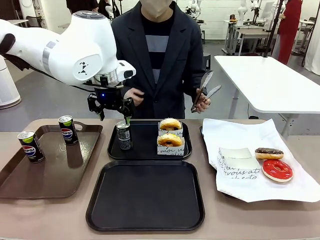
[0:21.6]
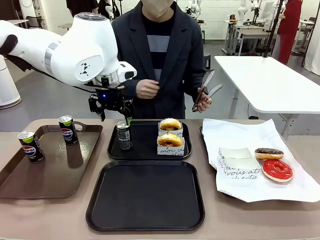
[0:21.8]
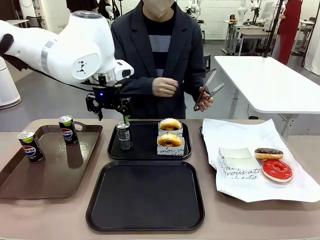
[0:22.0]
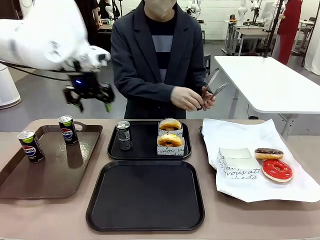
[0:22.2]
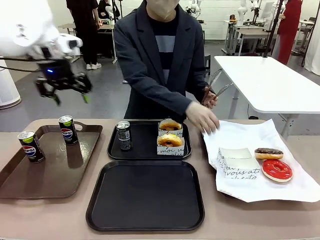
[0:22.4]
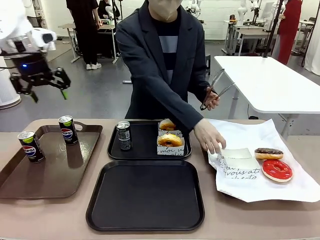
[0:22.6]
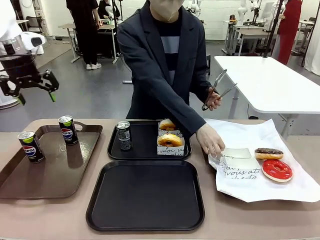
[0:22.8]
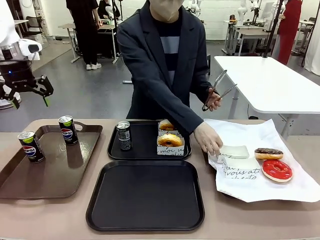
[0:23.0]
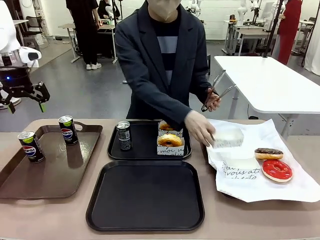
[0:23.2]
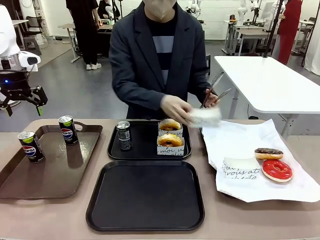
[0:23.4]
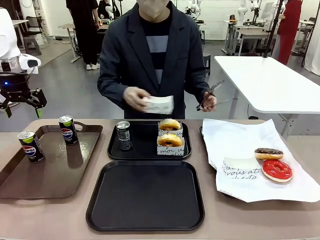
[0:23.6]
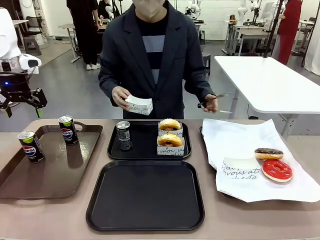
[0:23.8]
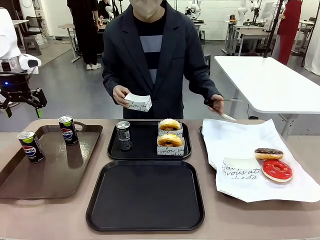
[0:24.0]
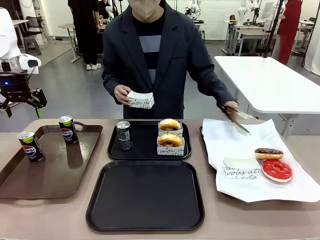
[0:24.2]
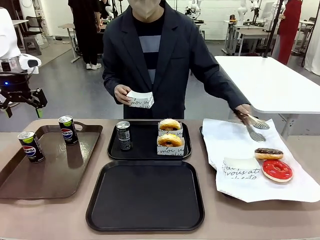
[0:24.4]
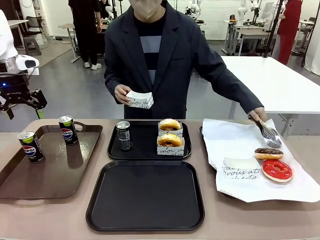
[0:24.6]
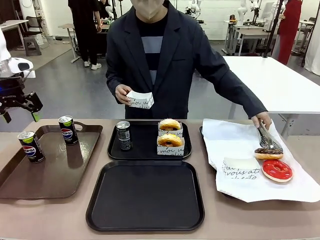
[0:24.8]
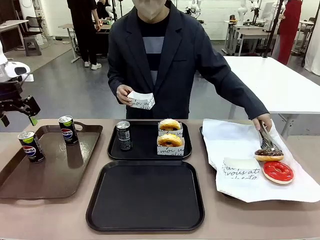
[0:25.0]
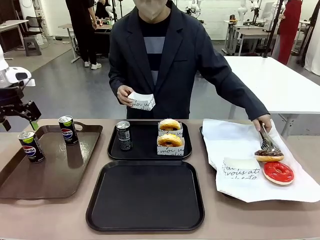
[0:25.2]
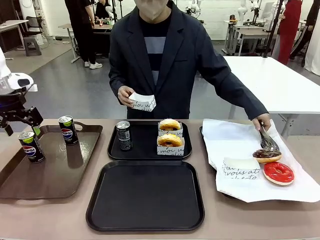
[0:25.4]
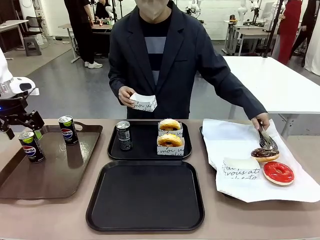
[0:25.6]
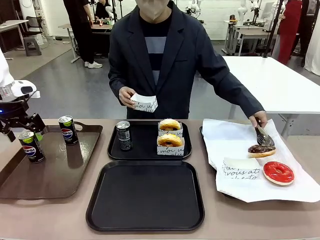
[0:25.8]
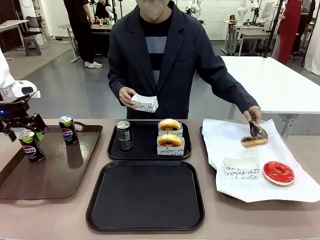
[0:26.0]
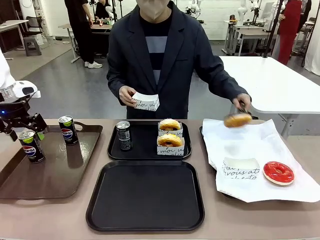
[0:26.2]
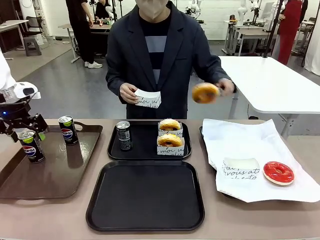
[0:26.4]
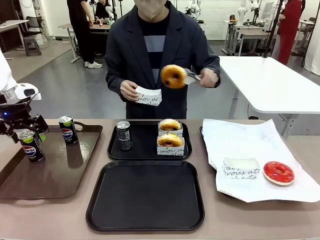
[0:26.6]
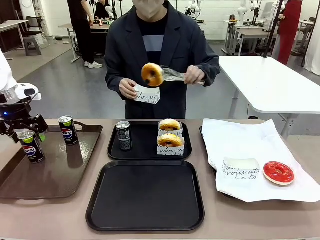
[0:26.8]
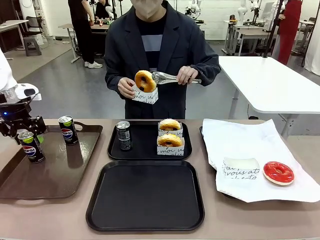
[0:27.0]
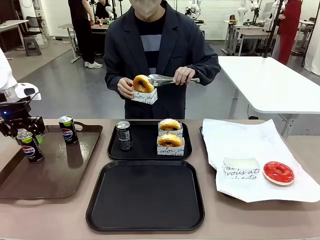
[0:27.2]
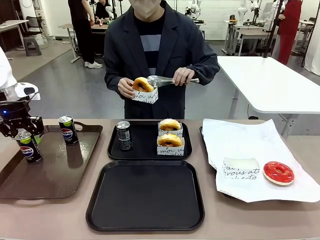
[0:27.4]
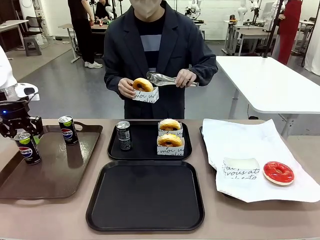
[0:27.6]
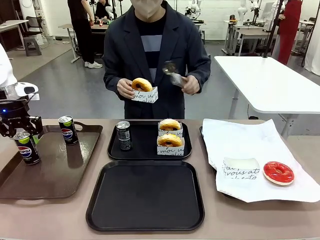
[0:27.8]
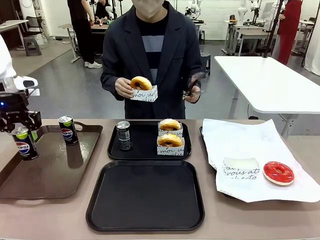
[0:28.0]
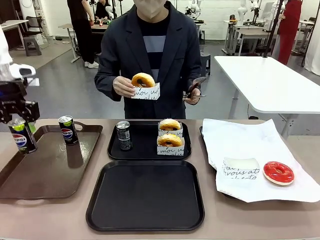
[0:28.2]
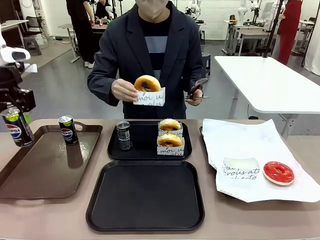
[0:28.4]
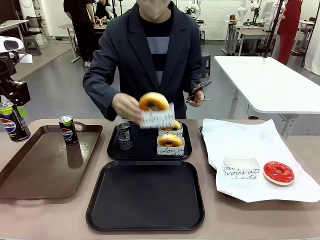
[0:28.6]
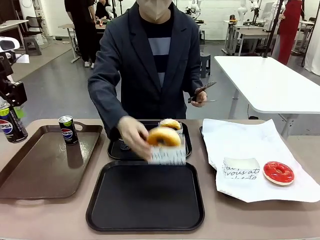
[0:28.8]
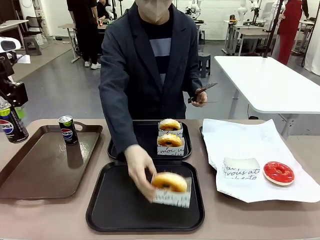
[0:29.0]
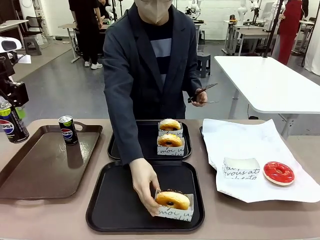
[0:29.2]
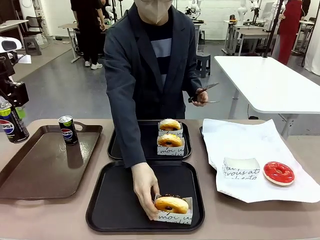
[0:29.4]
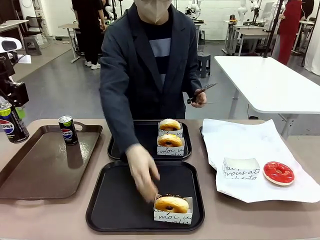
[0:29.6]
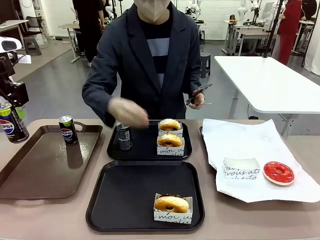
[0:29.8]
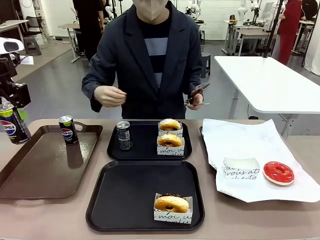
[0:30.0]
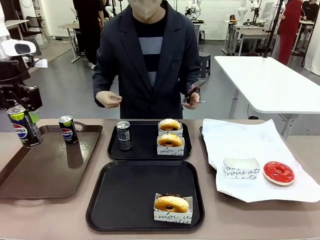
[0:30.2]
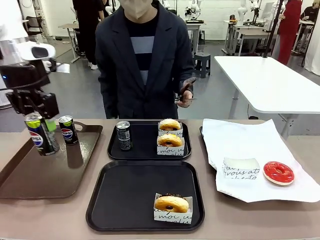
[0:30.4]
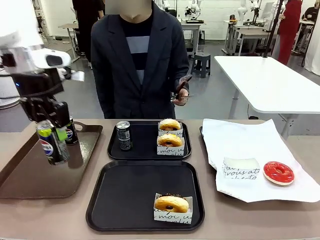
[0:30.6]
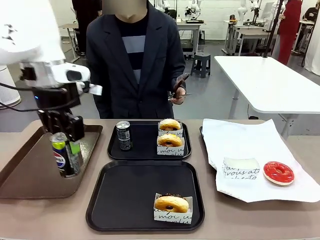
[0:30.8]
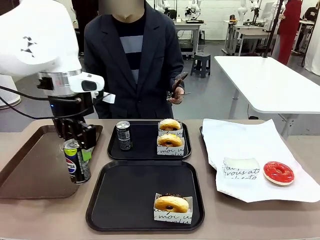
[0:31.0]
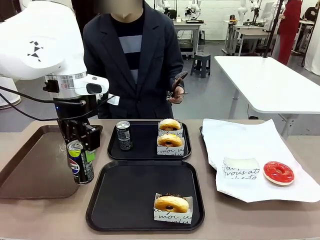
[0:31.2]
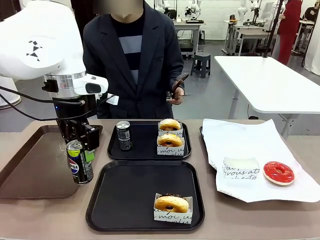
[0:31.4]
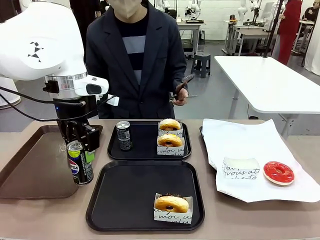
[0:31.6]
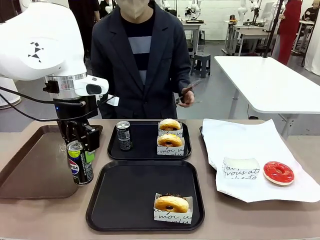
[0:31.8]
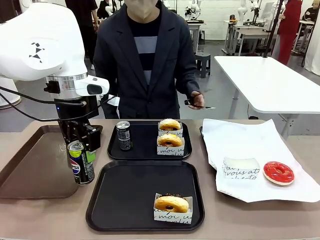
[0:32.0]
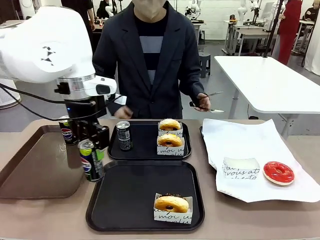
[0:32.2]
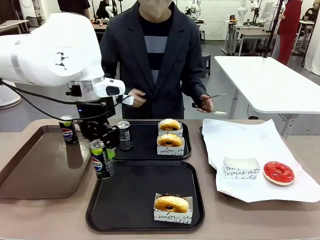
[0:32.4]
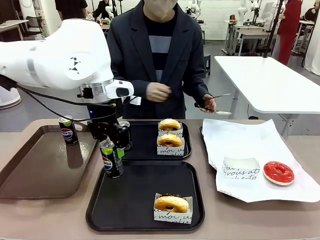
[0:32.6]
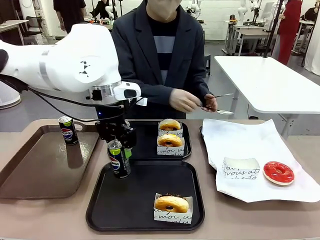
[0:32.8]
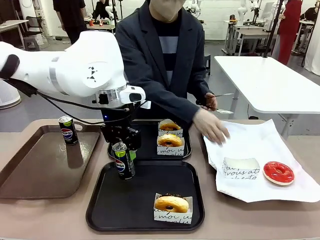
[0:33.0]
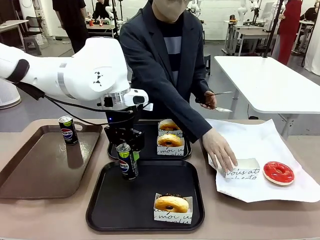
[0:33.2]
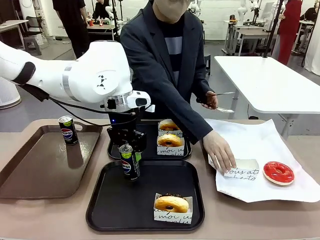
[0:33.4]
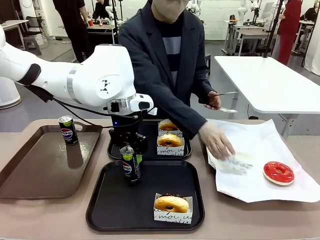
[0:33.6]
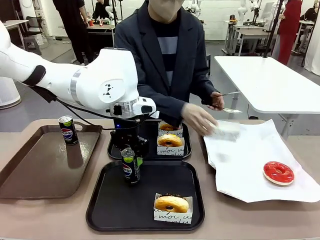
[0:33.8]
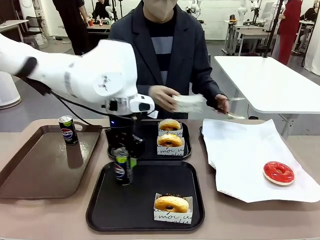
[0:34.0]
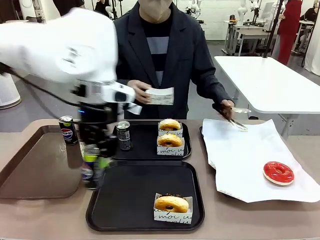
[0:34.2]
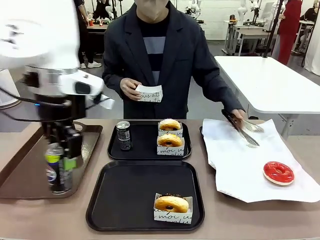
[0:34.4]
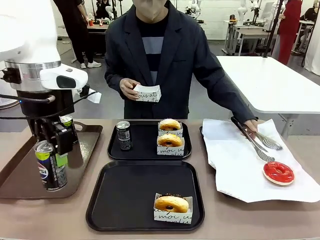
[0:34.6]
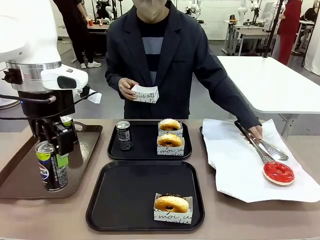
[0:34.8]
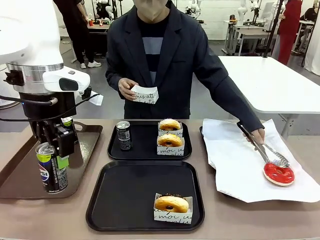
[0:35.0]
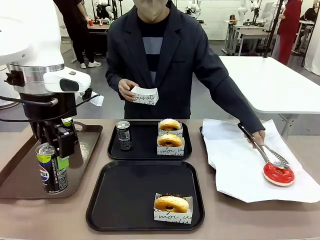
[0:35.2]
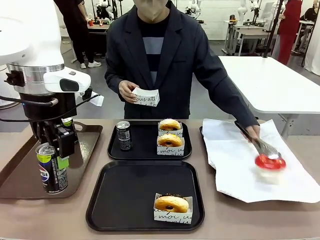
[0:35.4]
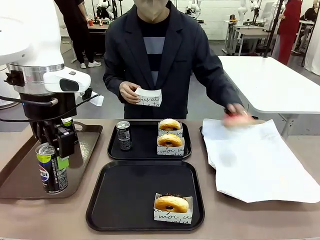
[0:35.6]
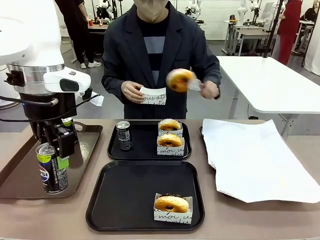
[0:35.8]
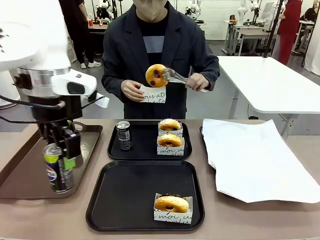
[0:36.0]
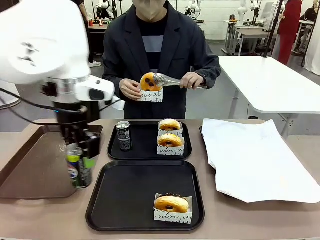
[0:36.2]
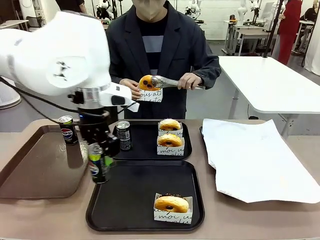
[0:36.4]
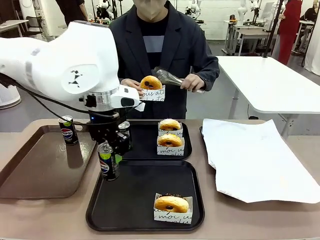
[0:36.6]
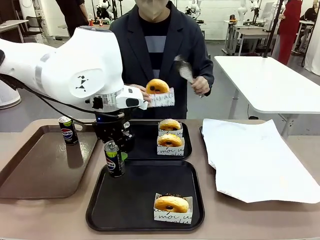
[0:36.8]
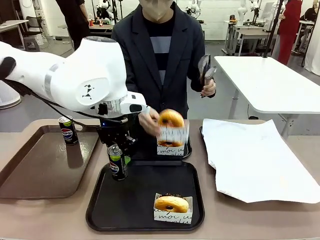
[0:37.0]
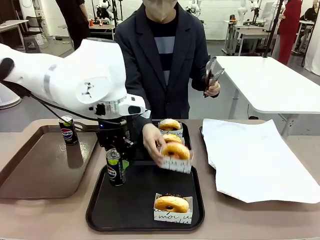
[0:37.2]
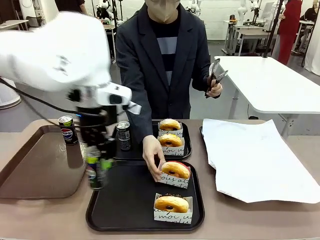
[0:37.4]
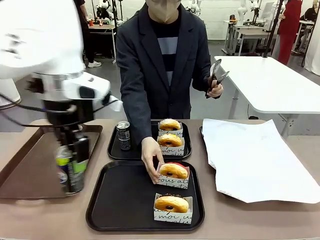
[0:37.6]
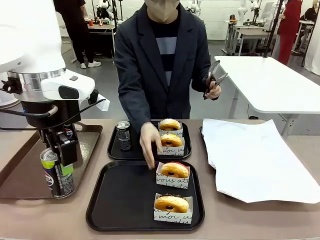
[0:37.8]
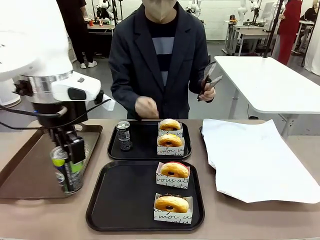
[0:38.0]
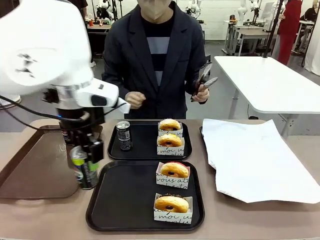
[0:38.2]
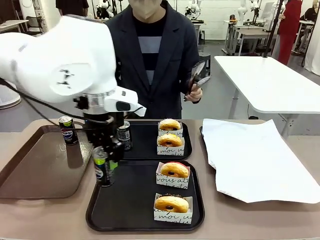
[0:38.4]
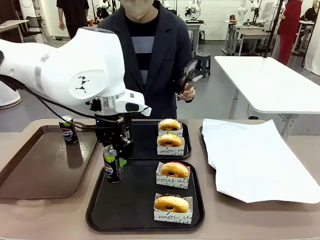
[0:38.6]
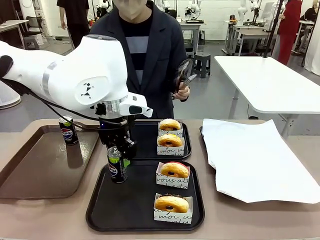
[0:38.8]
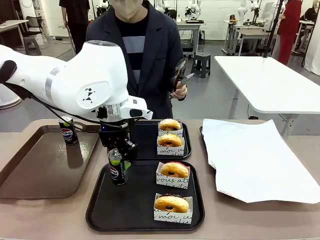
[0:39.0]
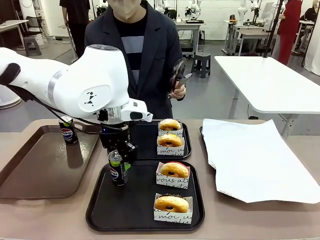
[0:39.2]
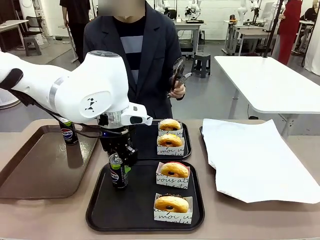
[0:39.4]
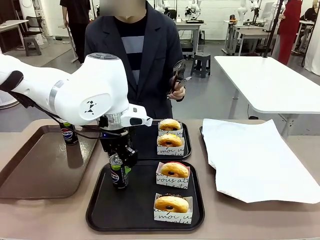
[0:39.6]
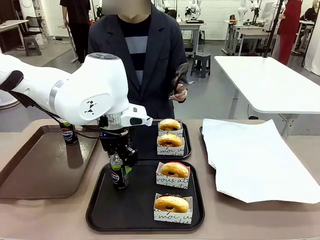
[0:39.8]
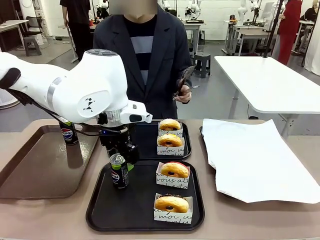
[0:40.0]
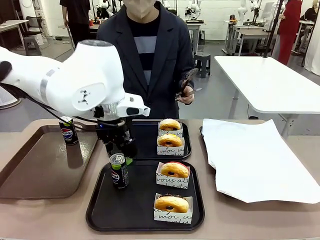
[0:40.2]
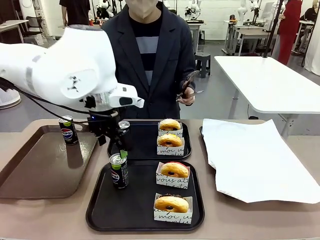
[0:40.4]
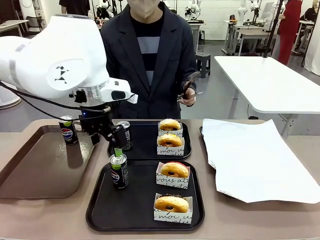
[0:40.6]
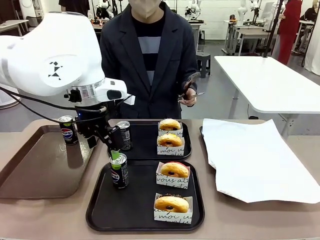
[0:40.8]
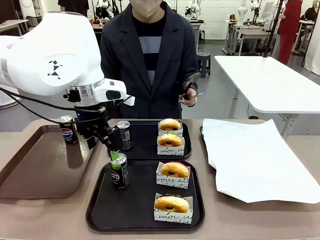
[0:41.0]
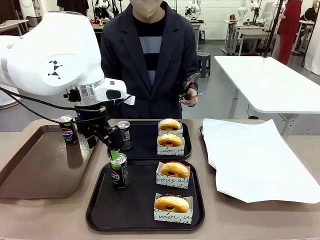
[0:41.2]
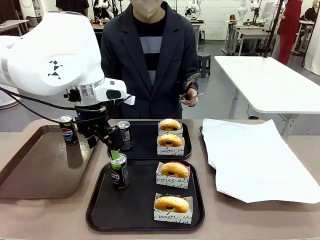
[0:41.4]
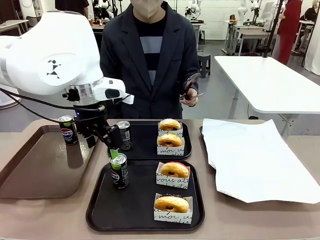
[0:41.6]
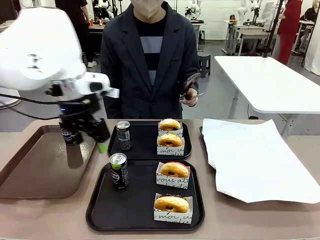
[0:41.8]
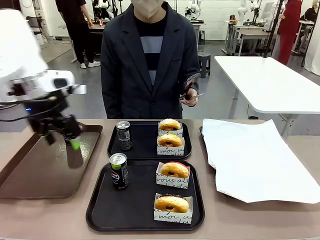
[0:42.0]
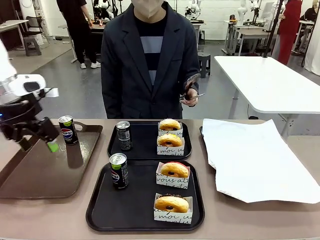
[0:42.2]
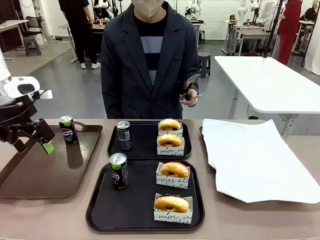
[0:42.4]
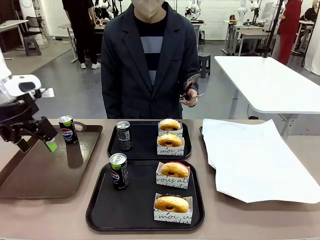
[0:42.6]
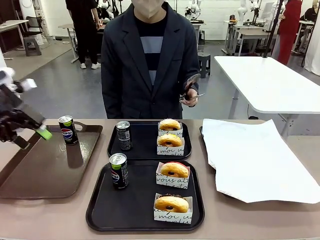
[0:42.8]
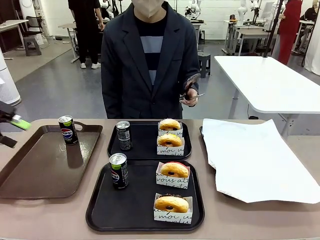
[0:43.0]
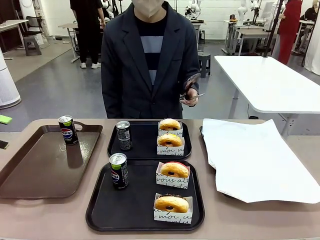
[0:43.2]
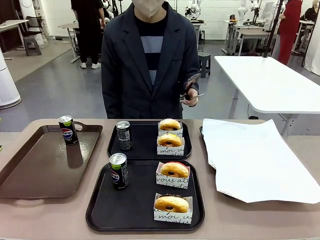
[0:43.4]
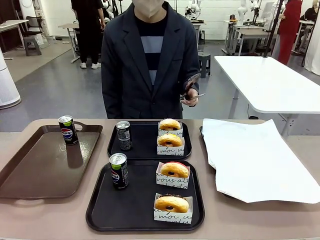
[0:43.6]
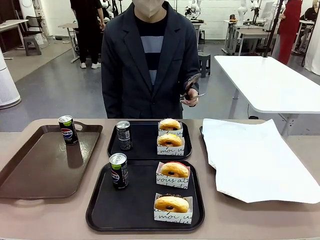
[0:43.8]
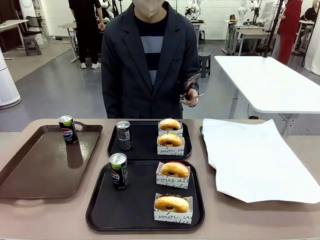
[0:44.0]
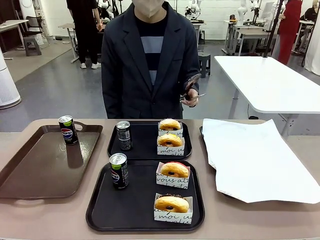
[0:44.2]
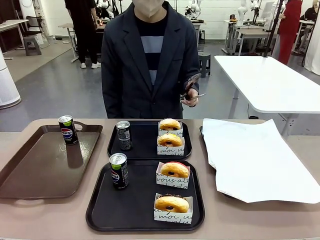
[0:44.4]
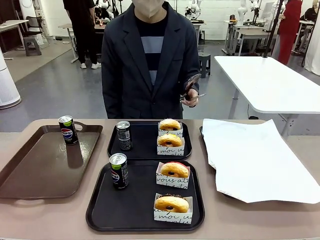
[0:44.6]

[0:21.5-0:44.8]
Task: Set up donuts and drinks on trays.
Robot: Pick up one Pepsi coke from the Handle tray and place it on the Flat Tray without a Pepsi coke.
Person: Pick up one donut with tongs, place it in the donut tray, and then place the donut tray on the flat tray.
